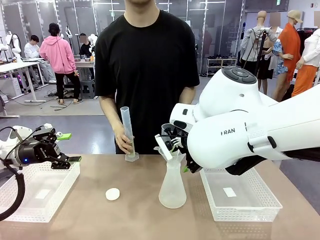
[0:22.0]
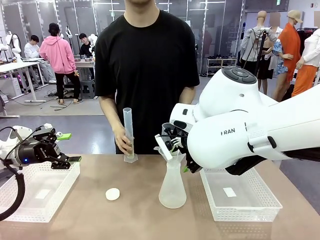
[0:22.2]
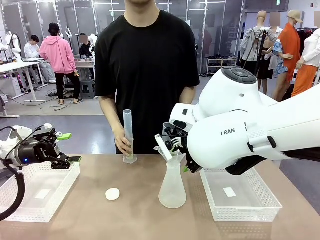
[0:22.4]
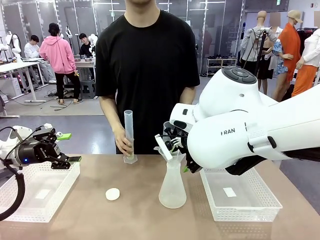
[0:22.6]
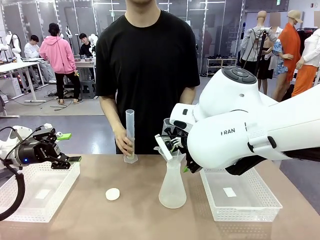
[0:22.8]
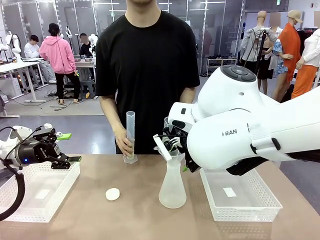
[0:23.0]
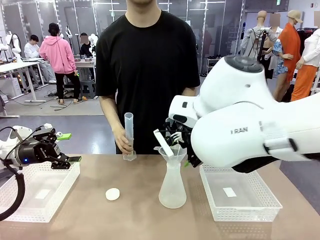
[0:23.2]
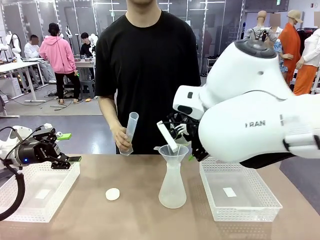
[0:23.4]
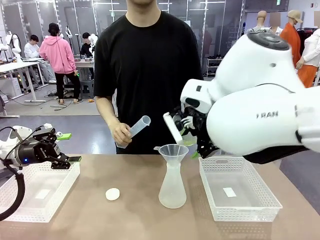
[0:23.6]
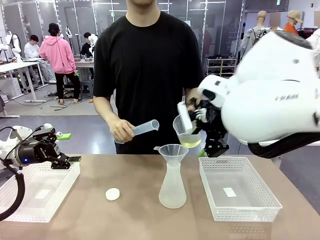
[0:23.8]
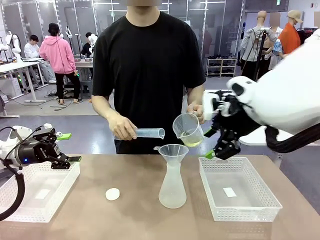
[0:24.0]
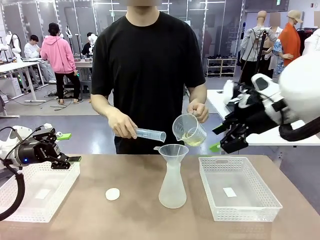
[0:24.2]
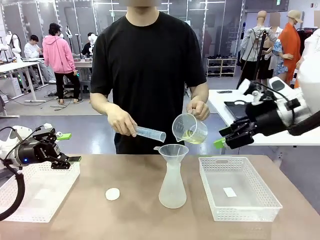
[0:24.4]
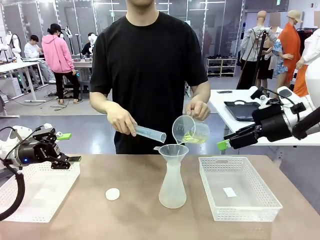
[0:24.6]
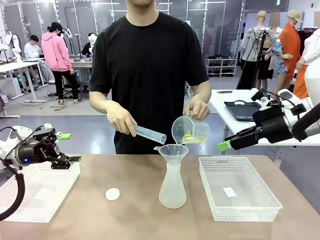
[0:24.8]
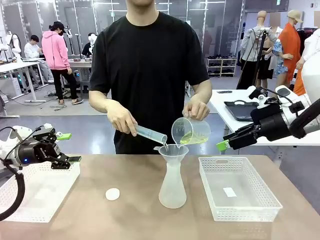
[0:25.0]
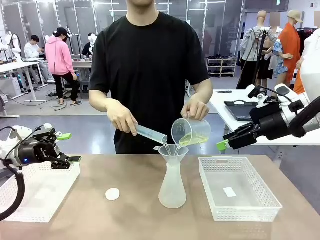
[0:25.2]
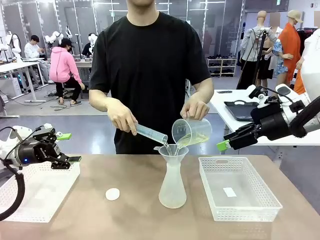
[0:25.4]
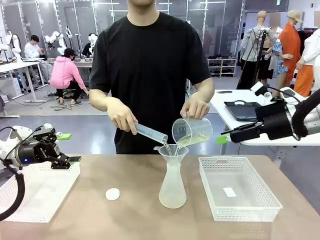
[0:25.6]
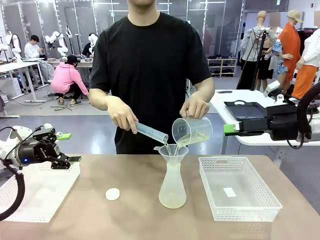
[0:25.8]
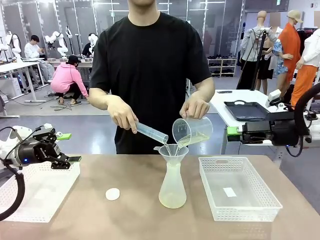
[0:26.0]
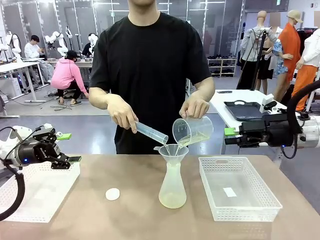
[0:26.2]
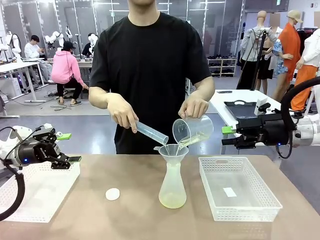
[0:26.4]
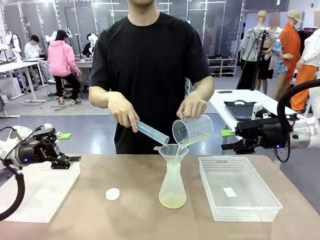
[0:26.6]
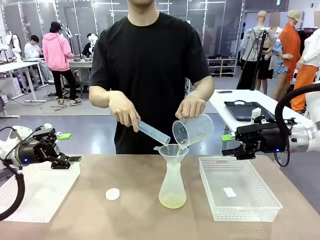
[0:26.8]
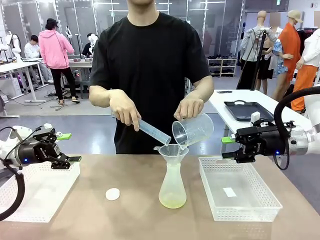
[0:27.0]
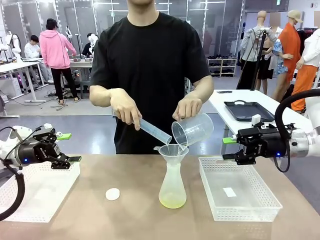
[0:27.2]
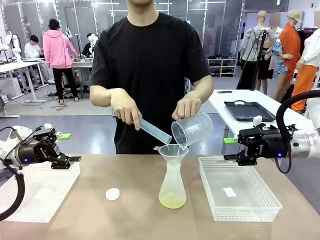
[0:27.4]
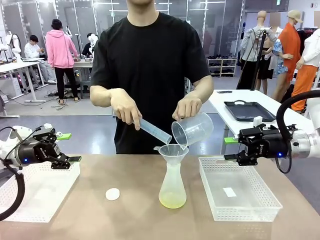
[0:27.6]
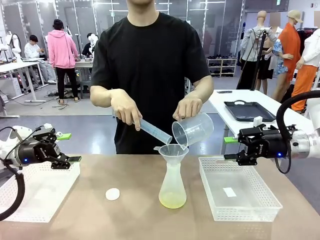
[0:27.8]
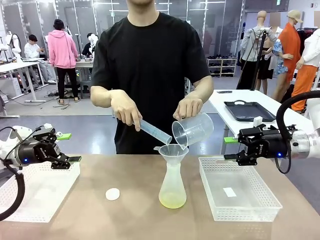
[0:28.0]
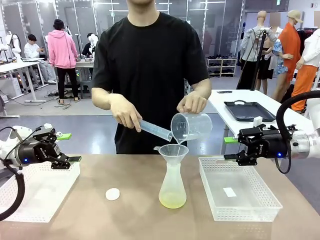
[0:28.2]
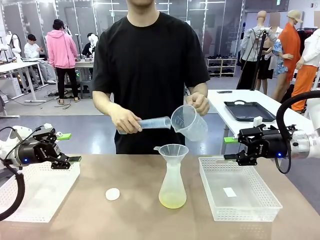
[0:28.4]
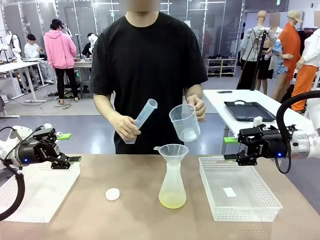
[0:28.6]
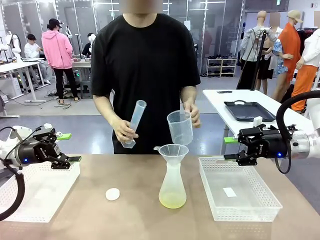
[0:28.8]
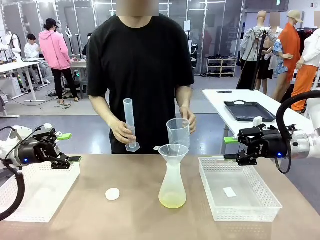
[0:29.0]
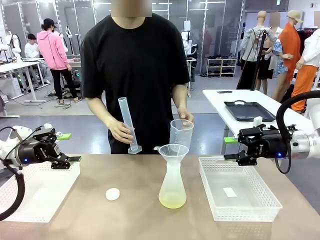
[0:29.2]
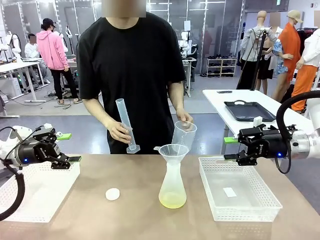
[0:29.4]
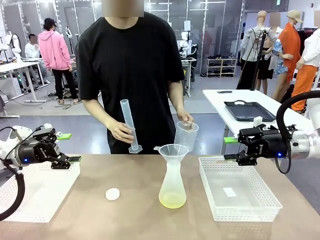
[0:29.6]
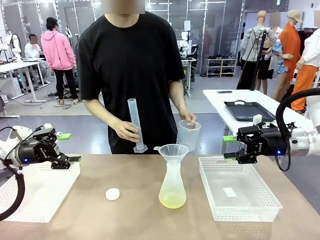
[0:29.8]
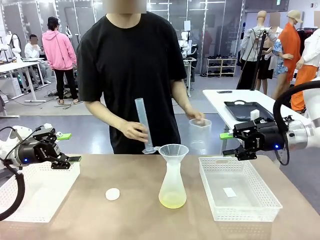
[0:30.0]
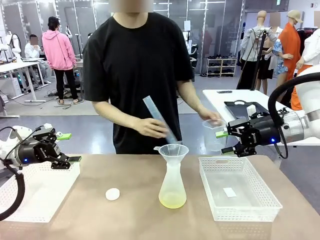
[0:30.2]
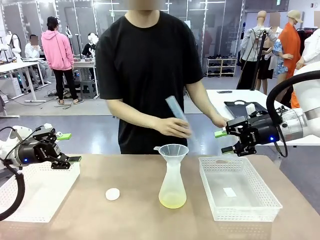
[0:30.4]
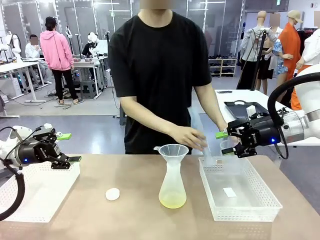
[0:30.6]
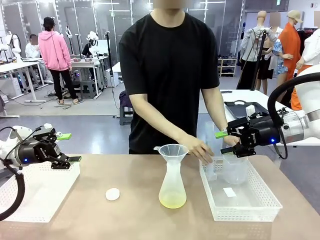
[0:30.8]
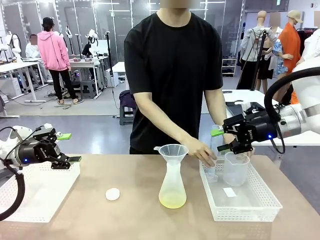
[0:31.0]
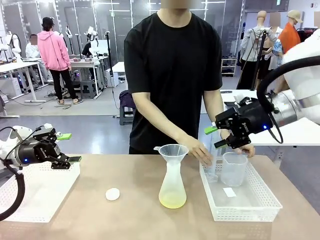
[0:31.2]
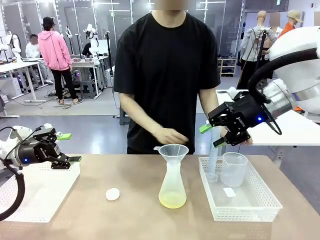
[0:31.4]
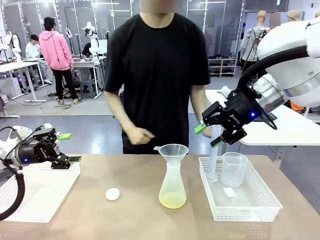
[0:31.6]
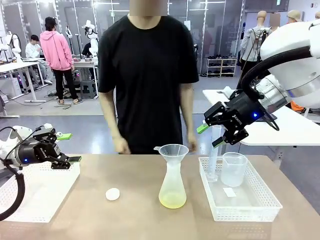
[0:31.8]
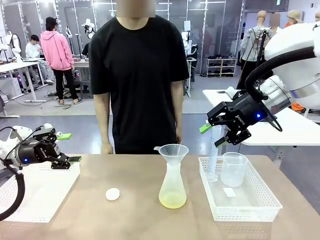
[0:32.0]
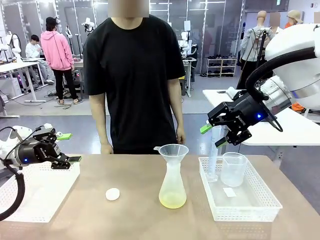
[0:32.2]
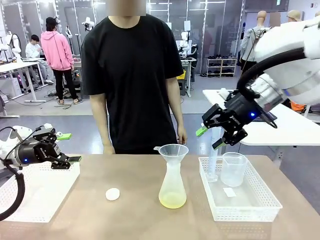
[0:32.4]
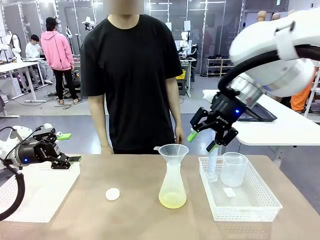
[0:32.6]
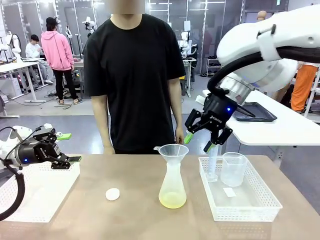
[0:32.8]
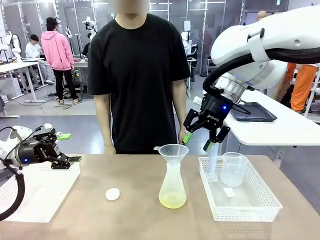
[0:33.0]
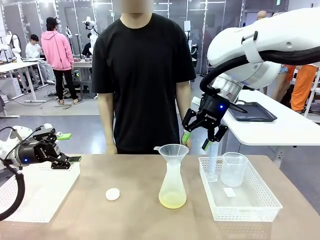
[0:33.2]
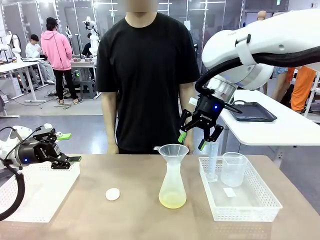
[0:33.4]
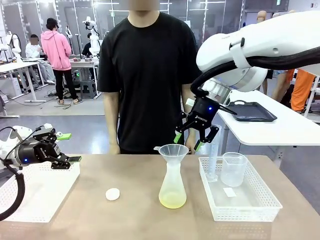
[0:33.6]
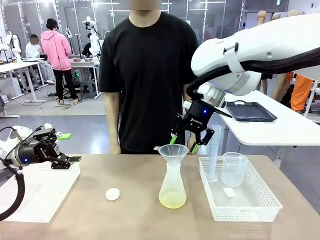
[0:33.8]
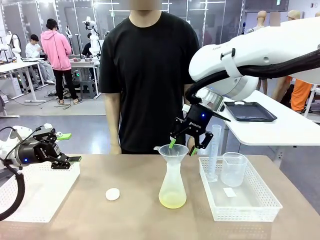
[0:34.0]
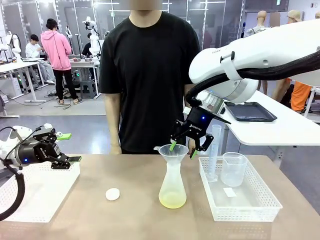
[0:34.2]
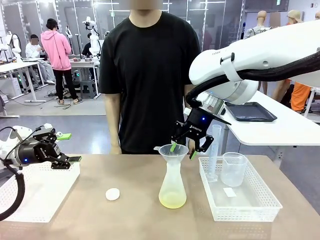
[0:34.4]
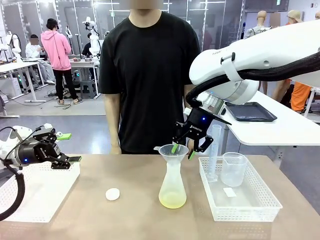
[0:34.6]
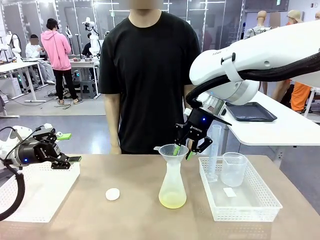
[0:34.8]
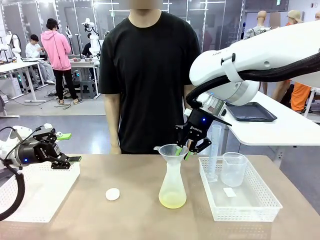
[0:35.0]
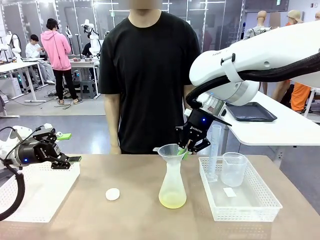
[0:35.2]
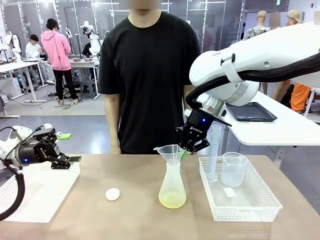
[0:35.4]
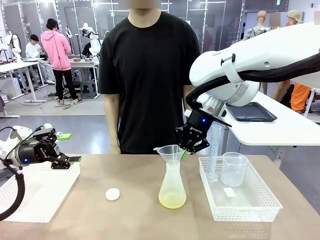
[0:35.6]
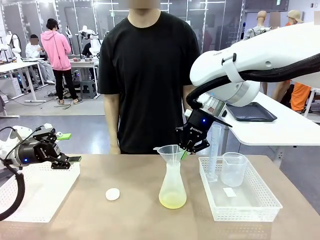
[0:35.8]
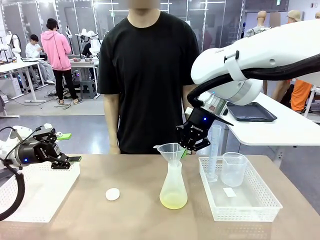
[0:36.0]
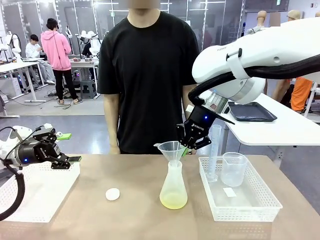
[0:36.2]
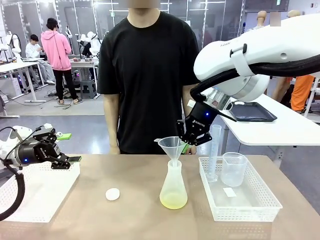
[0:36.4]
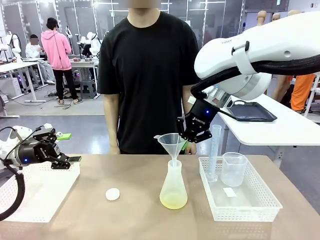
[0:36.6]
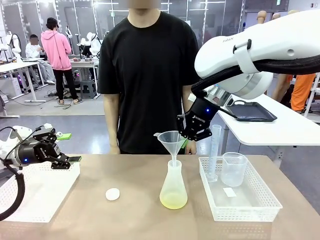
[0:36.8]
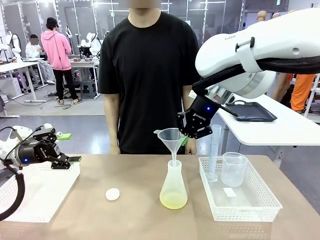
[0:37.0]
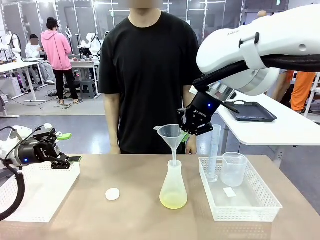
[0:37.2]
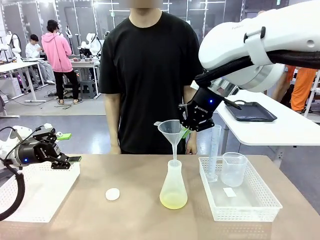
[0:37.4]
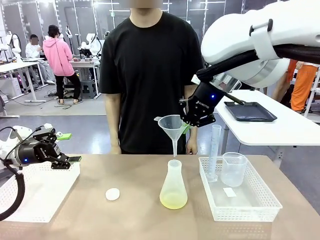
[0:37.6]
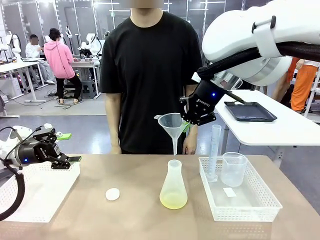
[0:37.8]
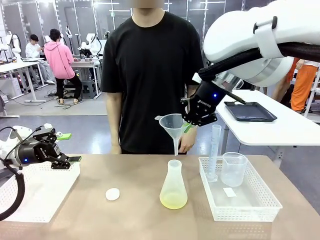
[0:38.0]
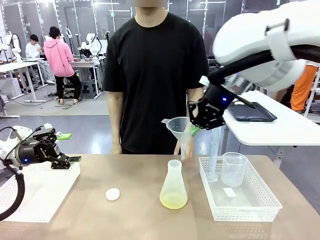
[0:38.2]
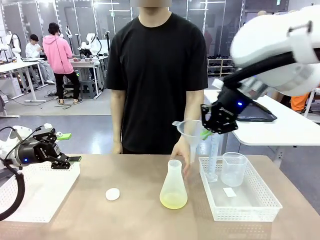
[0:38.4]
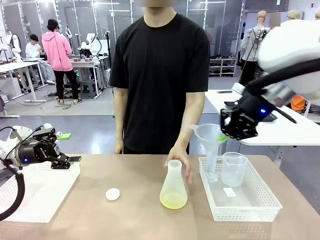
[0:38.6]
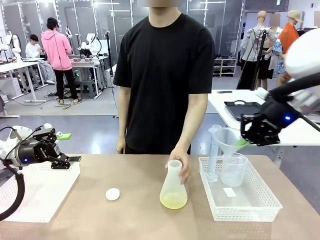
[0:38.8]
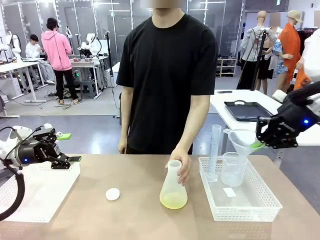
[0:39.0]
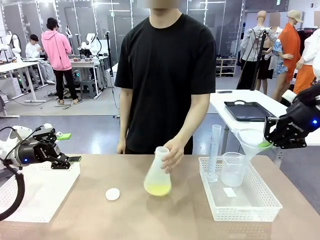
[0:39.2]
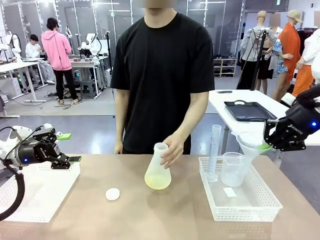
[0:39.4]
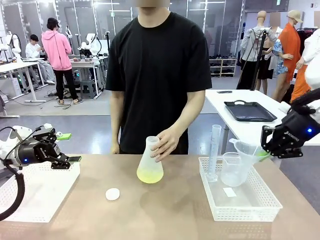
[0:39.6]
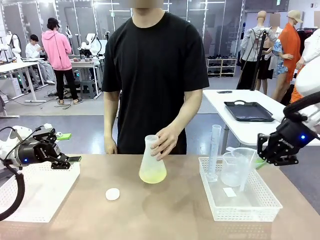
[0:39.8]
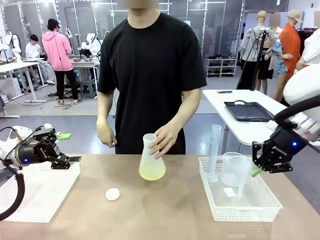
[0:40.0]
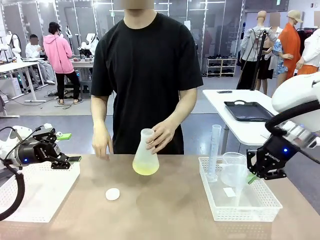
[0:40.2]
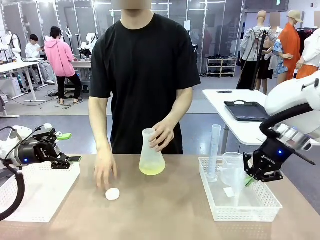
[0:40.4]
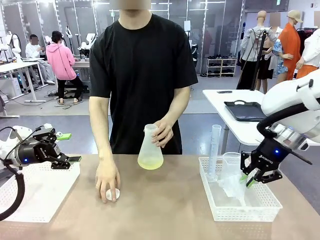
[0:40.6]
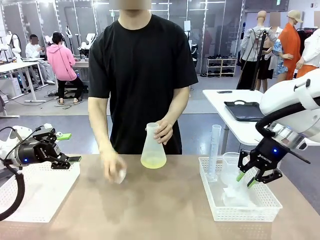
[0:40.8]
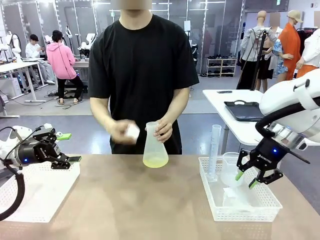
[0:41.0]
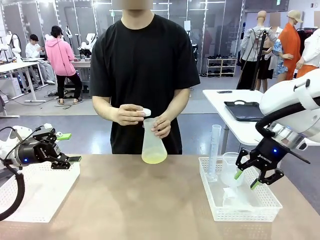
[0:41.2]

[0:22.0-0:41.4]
Task: Prepare the solutions needed for the experiment.
Robot: Once the solution is in the Big flask , pick up the Plastic Funnel and place it back into the right Organizing basket.
Person: Place the beaker and the cylinder into the organizing basket on the left side. Pick up the flask, gently shake it 2–3 times, place it in the middle of the robot table, and close the lid.
